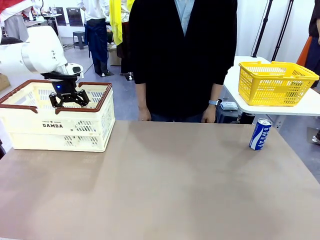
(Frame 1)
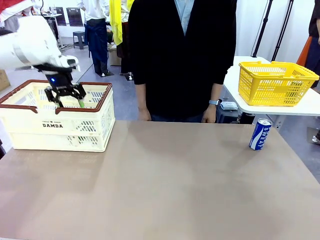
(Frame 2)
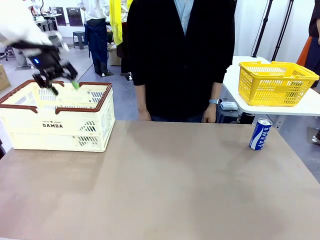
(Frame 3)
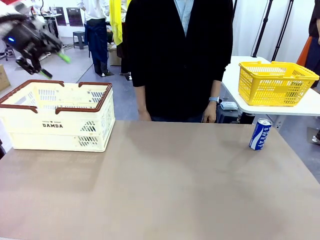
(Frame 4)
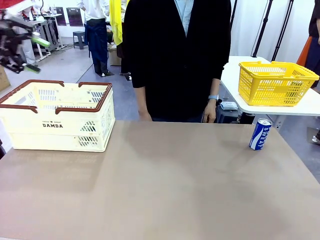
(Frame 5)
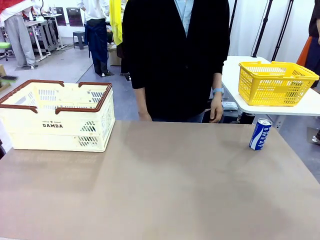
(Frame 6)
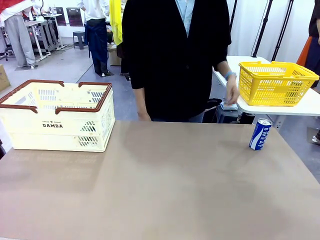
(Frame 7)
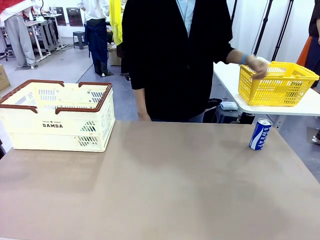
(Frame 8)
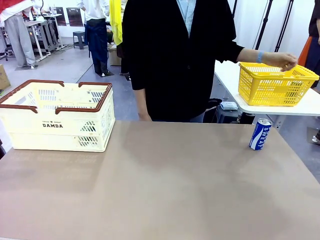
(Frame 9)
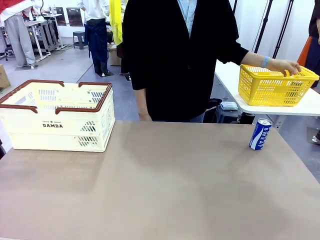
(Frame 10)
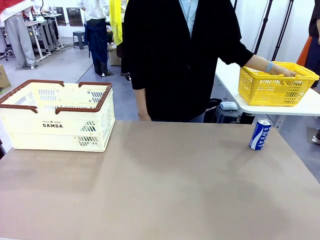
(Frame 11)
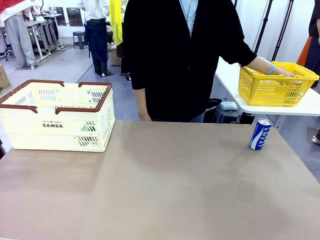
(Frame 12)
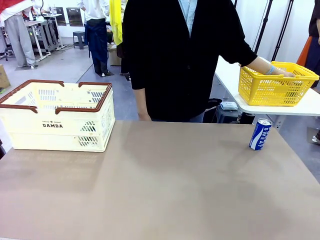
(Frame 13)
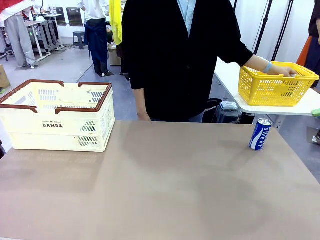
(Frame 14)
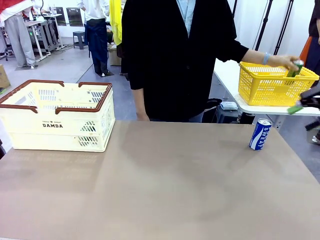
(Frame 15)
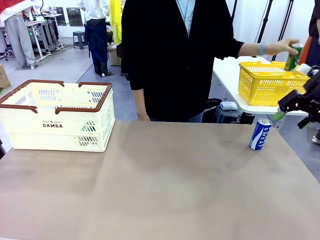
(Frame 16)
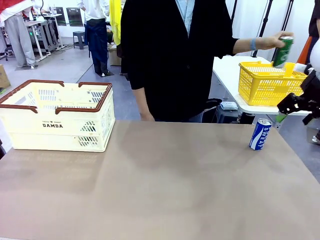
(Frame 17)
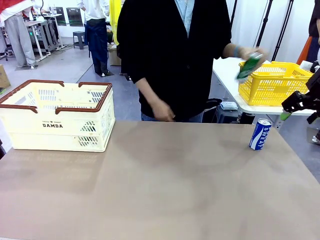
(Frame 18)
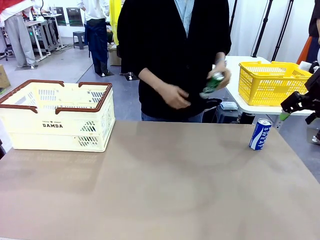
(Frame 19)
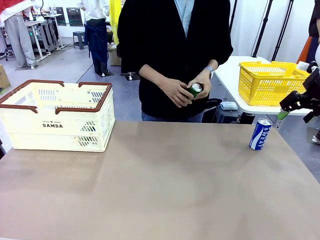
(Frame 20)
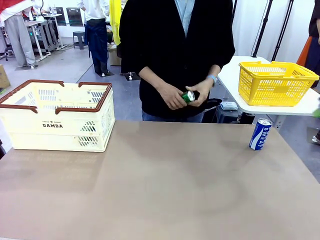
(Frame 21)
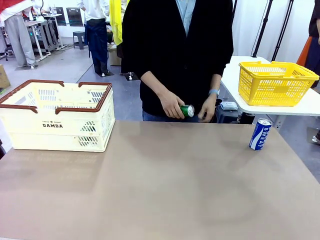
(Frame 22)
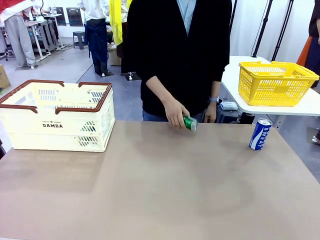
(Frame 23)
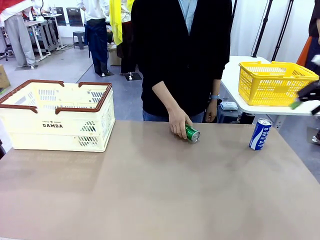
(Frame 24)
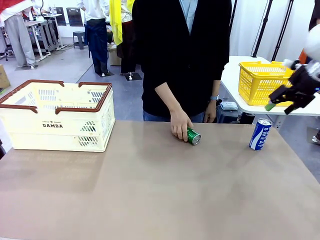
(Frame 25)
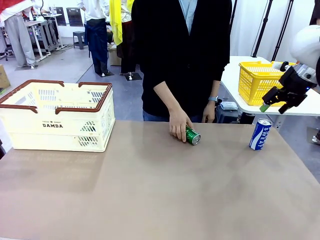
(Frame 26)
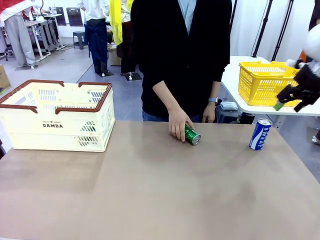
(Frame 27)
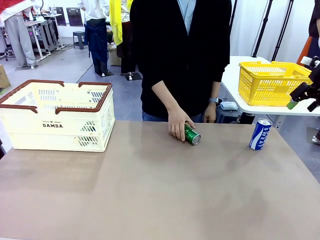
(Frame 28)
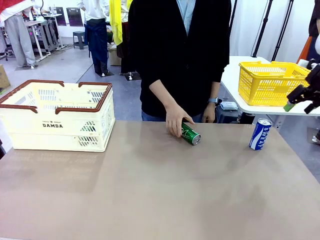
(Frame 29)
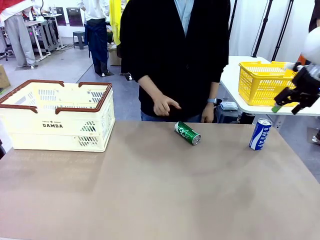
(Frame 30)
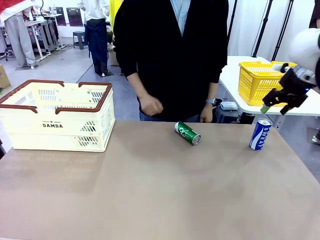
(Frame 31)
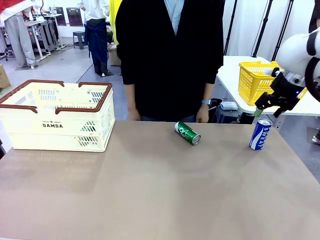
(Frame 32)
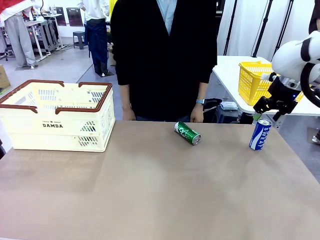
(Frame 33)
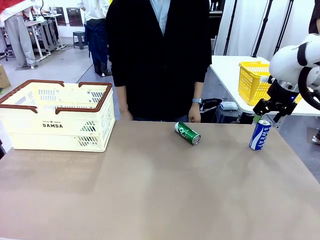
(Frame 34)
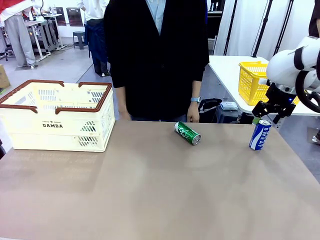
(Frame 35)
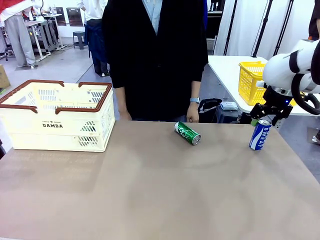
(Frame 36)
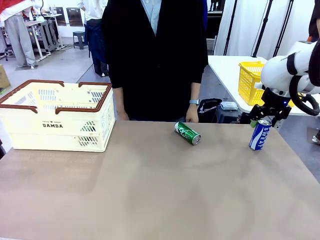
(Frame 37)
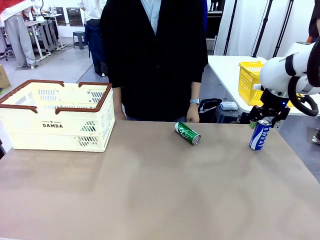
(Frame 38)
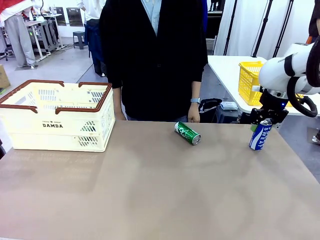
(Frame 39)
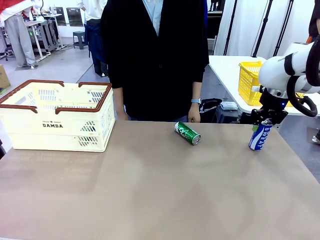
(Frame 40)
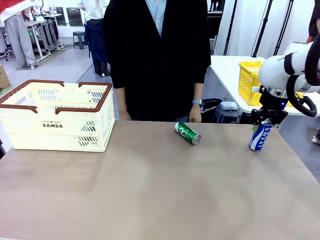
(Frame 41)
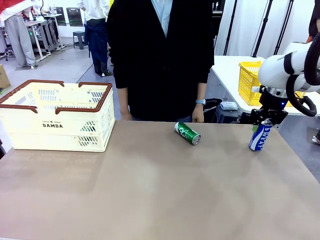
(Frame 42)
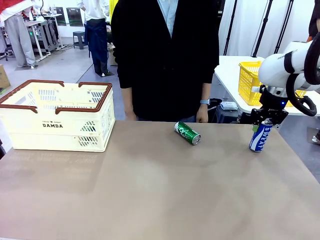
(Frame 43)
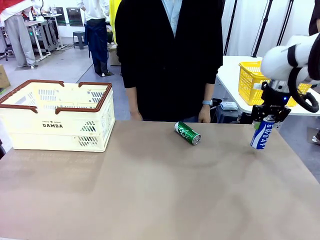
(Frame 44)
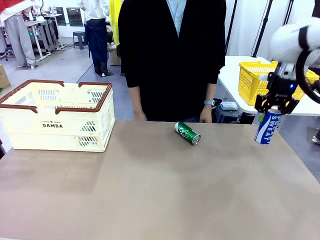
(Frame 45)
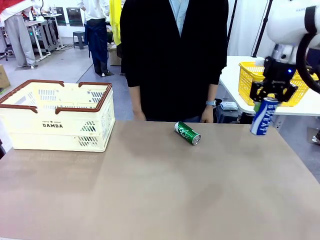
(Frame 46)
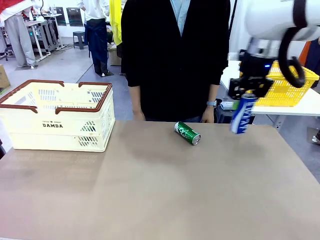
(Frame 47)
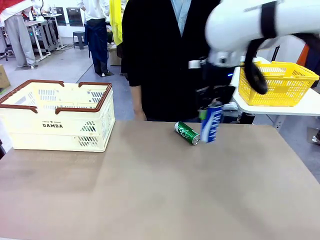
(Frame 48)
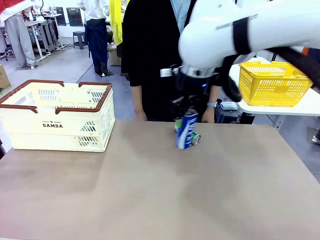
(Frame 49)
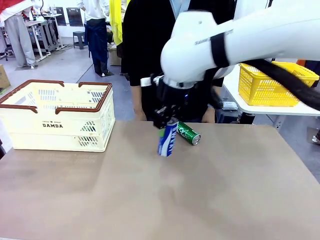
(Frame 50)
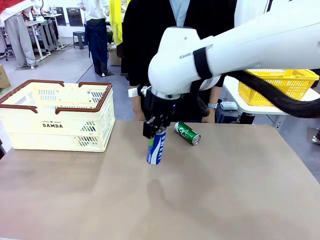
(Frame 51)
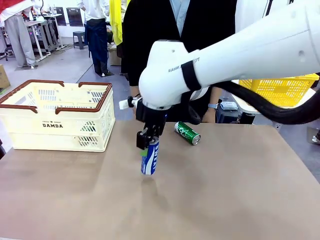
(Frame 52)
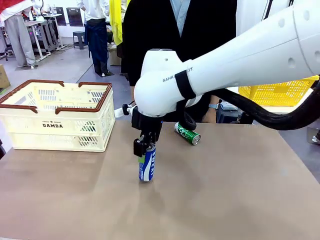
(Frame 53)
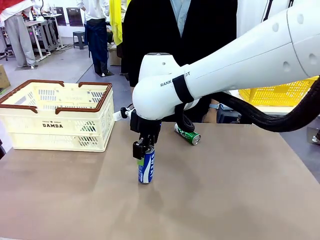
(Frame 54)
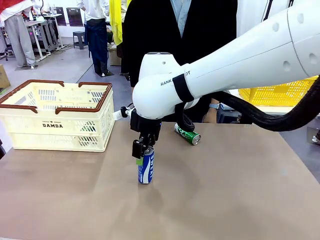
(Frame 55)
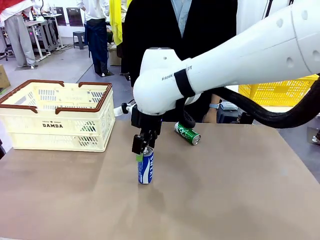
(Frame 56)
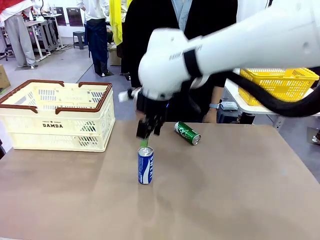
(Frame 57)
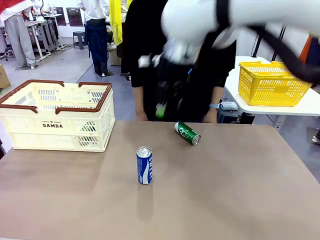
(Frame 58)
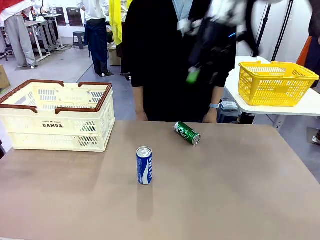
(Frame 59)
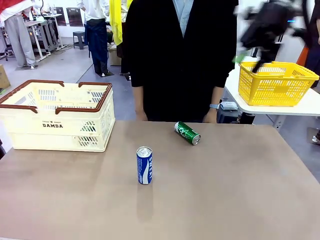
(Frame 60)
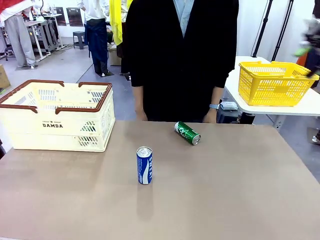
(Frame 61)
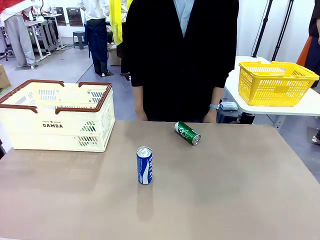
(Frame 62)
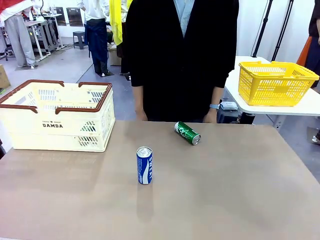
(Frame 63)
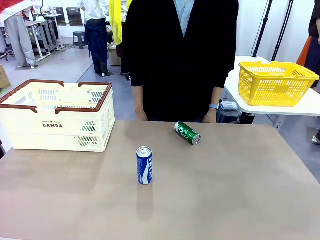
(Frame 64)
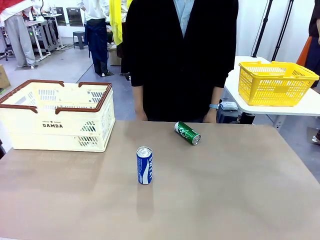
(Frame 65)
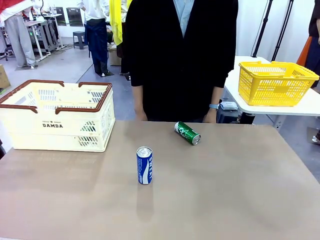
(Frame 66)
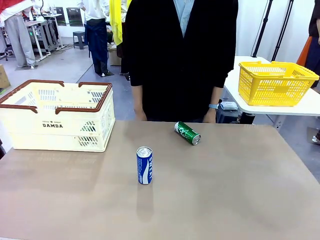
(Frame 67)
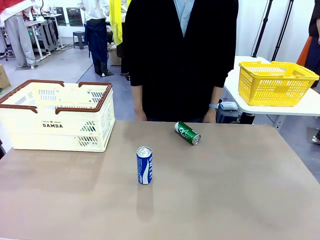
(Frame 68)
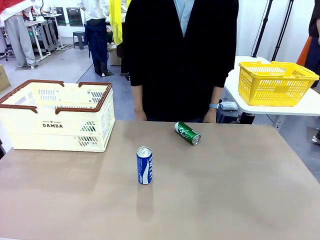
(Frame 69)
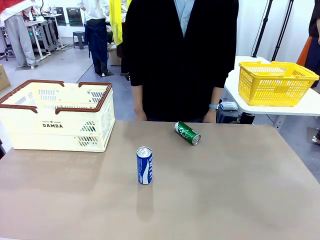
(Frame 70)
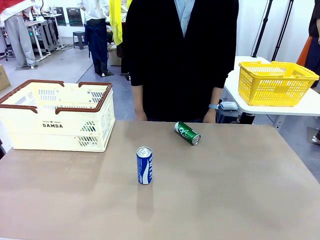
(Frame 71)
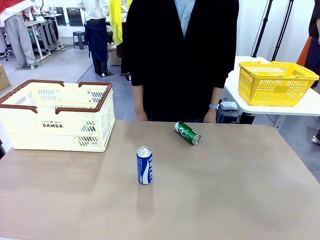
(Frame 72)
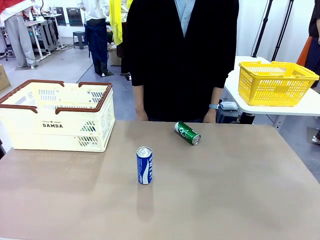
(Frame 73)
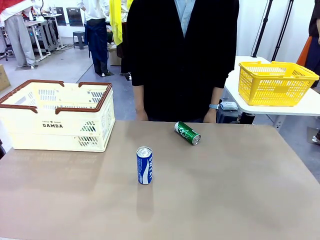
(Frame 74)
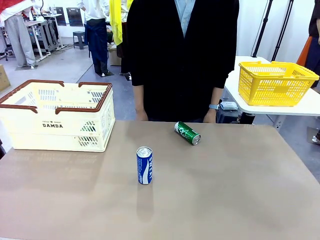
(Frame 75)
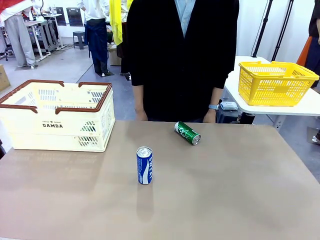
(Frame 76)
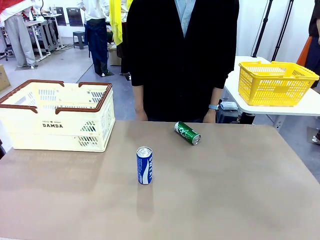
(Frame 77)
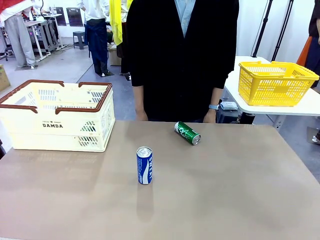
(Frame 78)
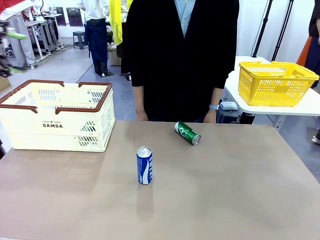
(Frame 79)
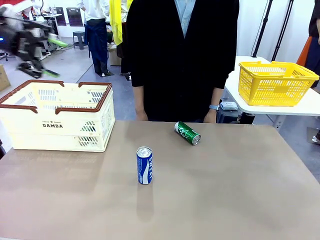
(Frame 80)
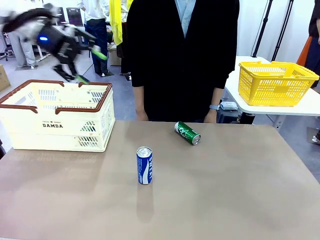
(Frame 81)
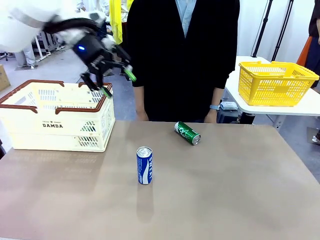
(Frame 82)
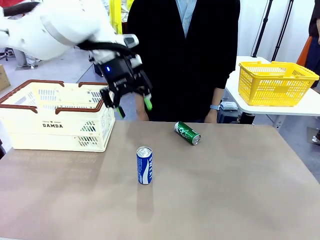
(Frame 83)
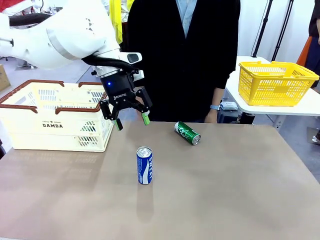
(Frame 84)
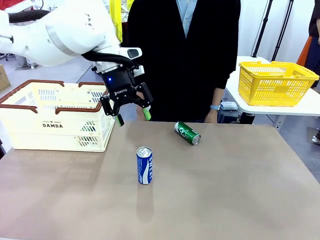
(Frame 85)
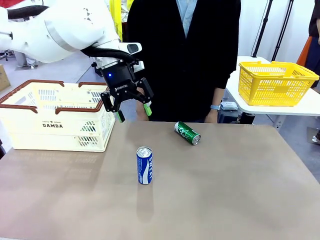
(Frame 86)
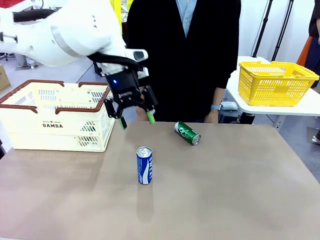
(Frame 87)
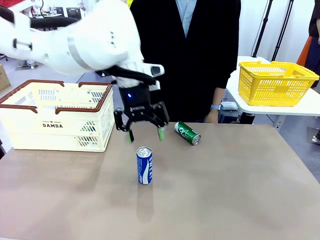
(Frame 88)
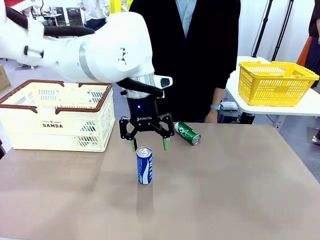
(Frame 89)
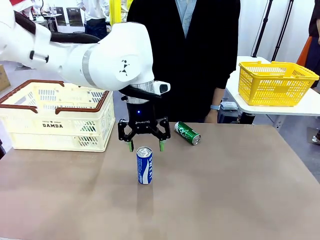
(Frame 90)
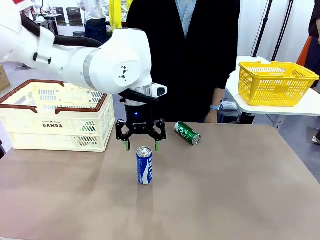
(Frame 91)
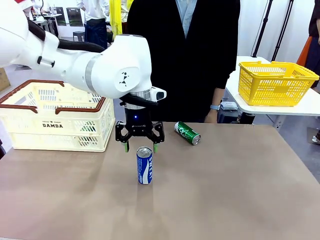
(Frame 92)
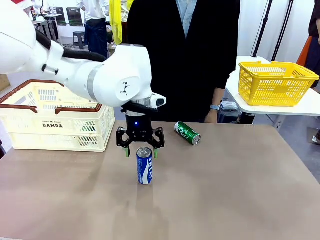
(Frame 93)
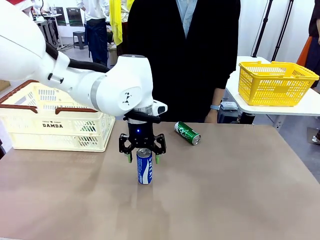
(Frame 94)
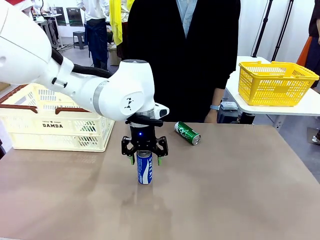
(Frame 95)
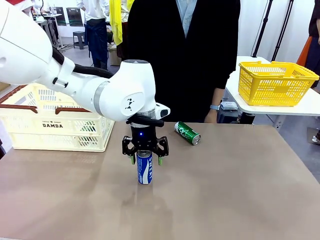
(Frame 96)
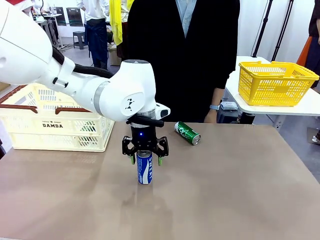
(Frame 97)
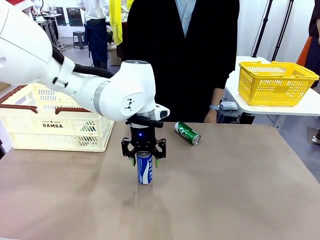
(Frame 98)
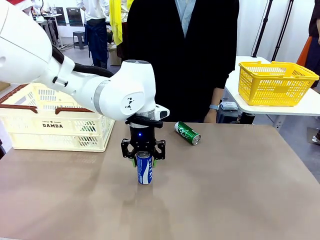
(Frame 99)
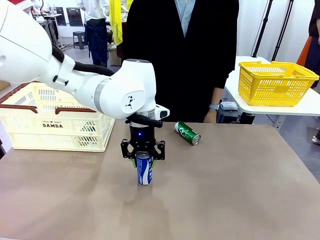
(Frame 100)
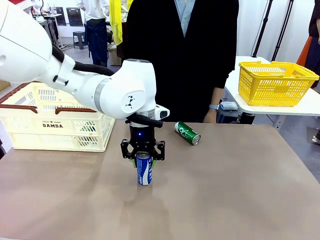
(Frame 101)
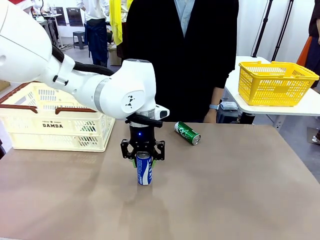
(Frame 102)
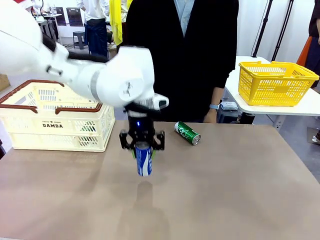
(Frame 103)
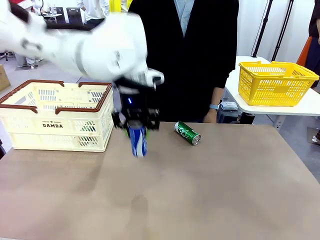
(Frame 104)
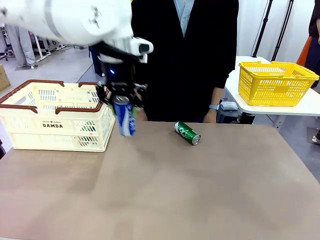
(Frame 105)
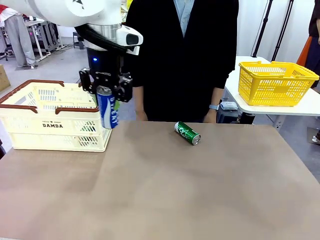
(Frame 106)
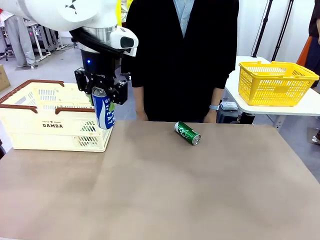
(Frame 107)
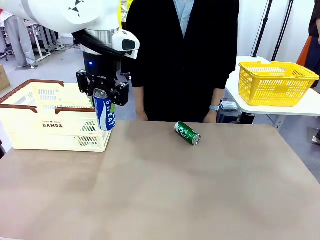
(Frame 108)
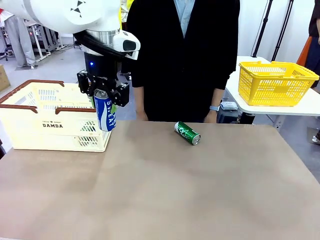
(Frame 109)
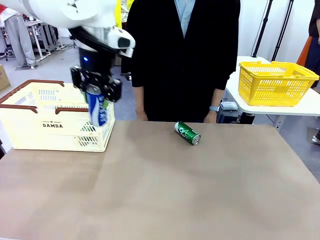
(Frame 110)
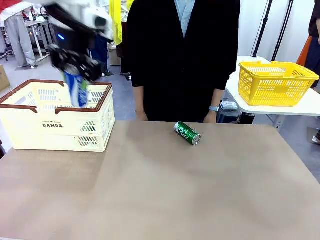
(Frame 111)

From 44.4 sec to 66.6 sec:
Task: Place the drinks into the Shopping basket.
Robot: Pick up one drink and place it into the Shopping basket.
